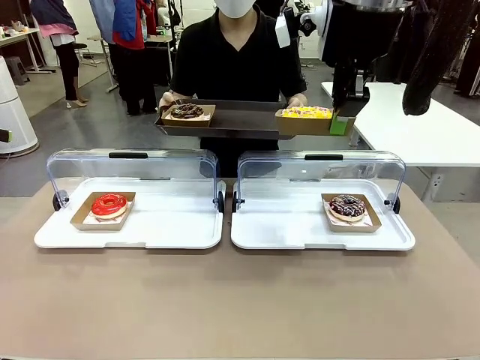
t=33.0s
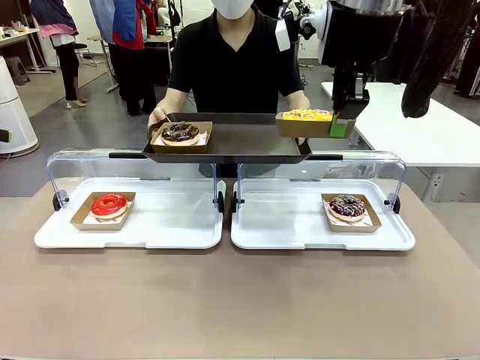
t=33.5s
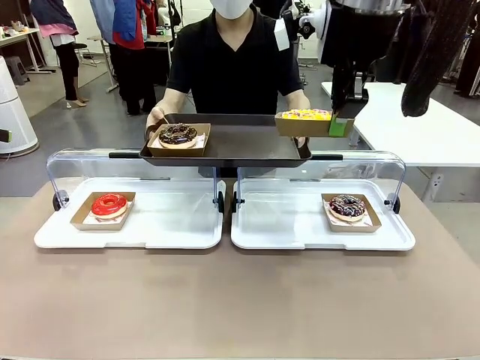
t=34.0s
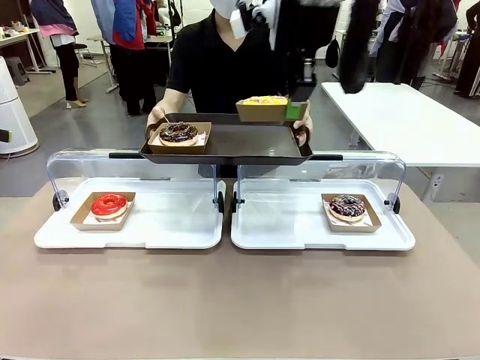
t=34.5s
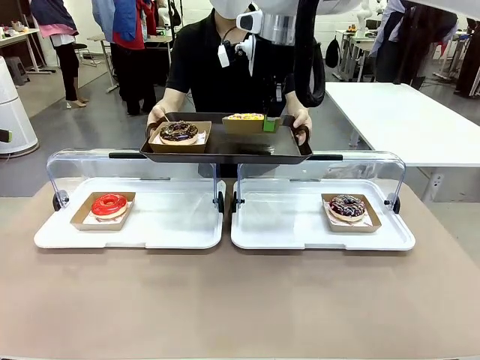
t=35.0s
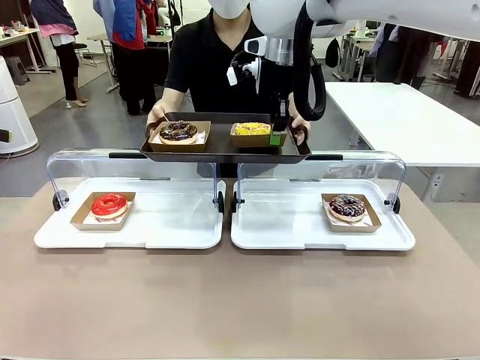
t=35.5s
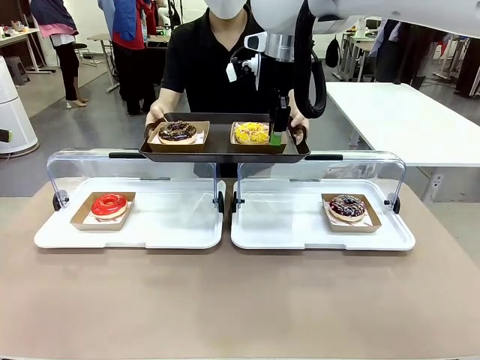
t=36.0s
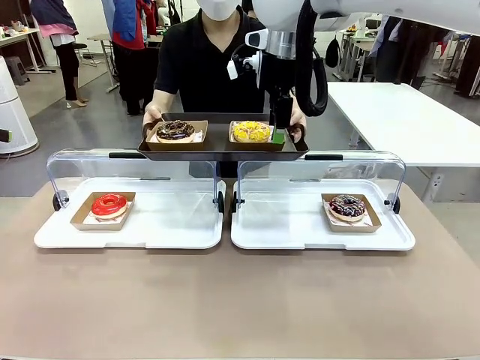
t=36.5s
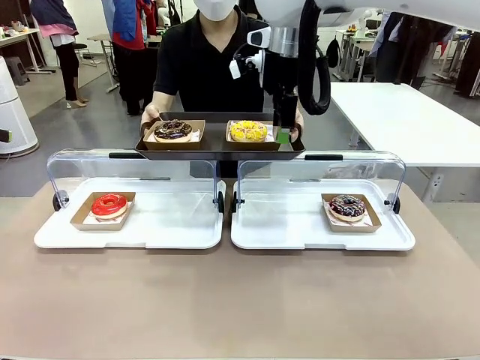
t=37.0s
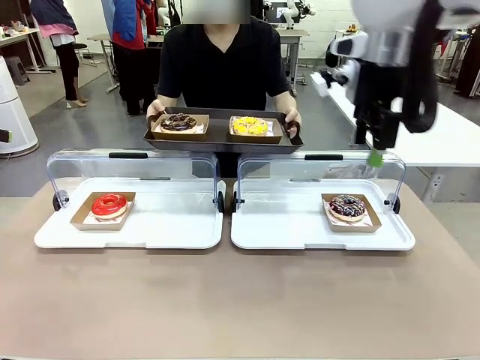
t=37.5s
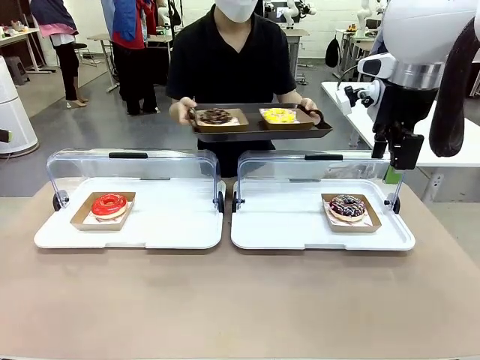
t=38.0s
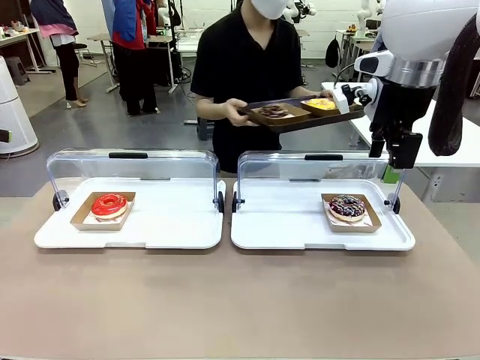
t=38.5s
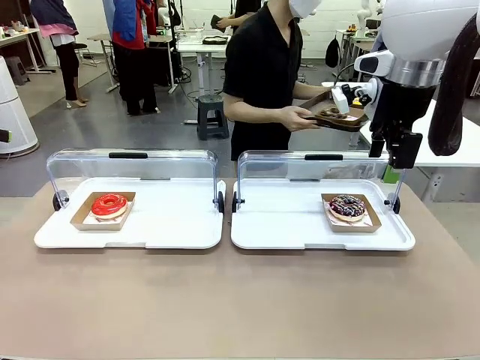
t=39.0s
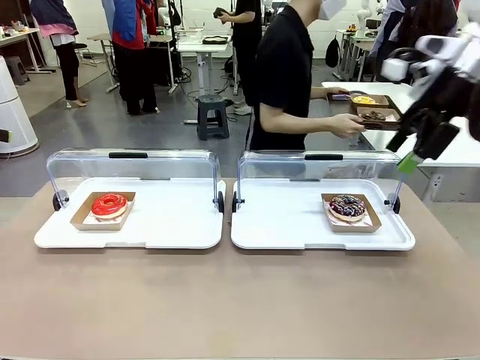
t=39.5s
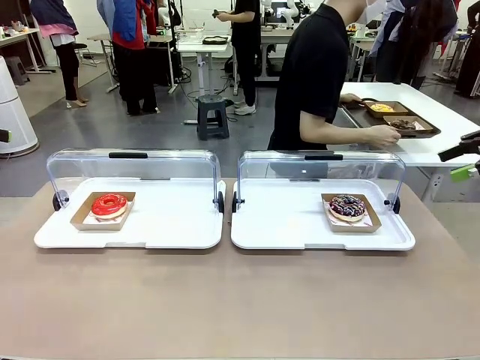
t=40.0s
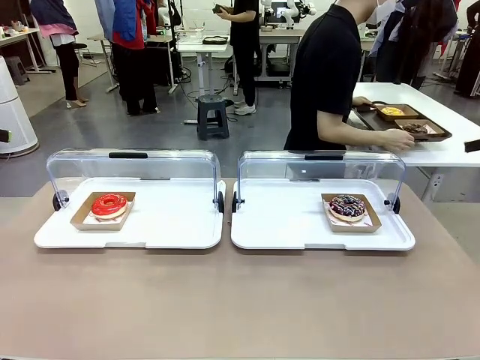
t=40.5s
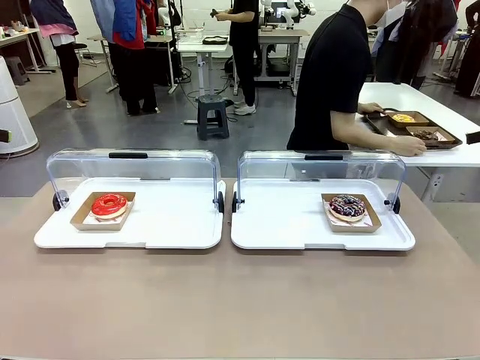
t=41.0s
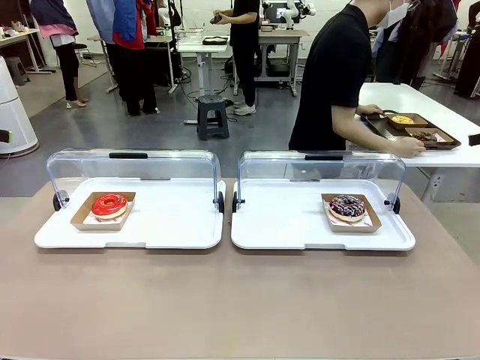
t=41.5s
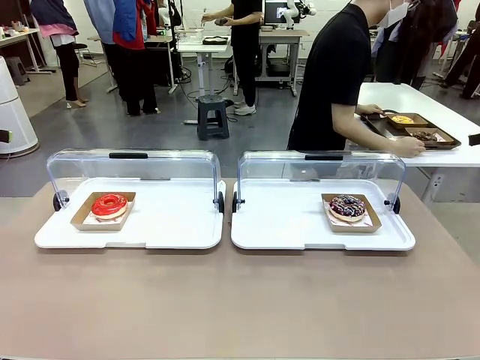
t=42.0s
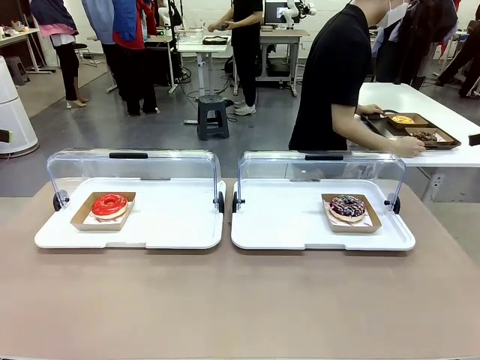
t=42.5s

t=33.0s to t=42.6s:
Task: Provide the desired donut to the person.
Robot: Place the picked Paper togo box onto the Handle tray extended by the person.
Person: Place the tray in the middle of the human table.

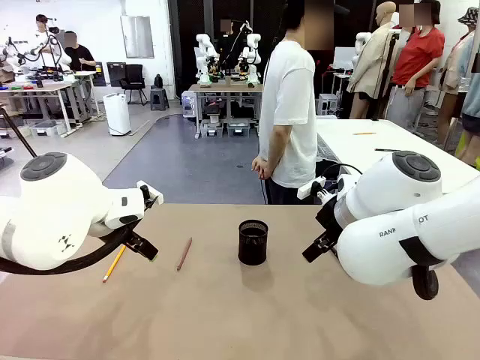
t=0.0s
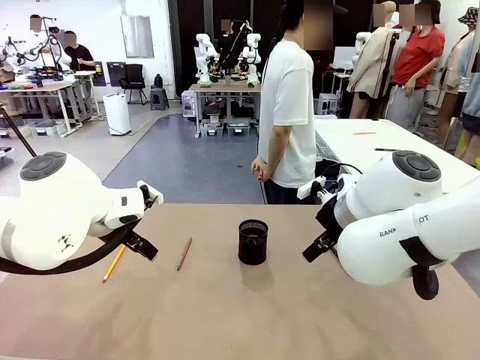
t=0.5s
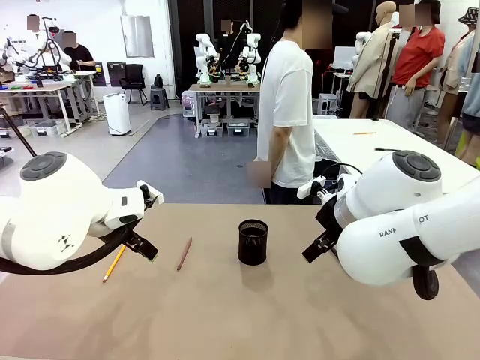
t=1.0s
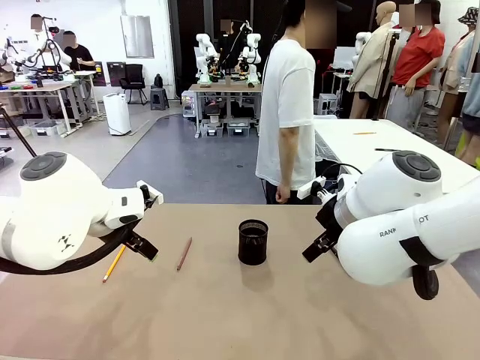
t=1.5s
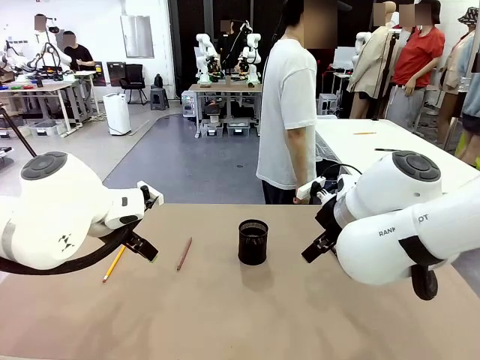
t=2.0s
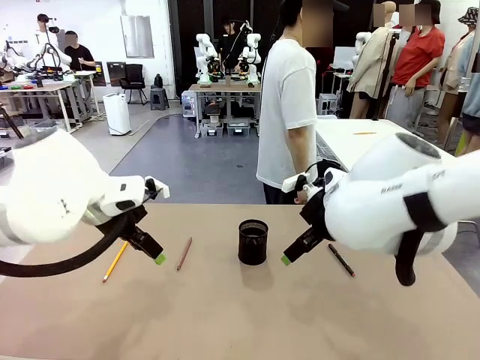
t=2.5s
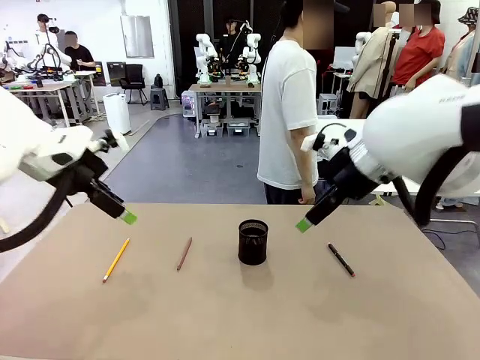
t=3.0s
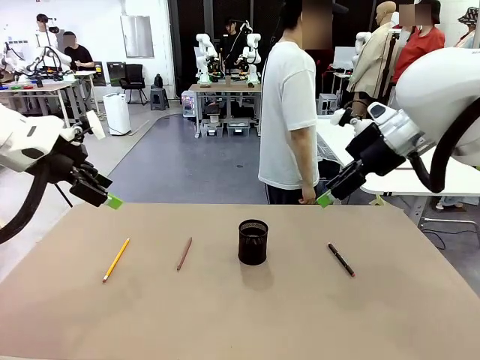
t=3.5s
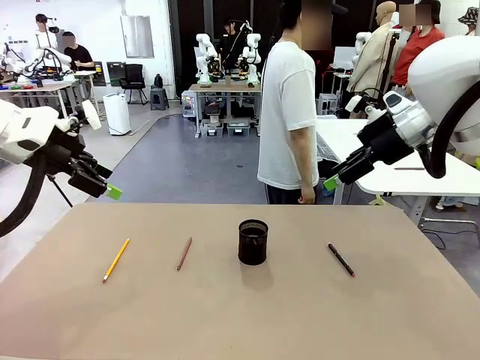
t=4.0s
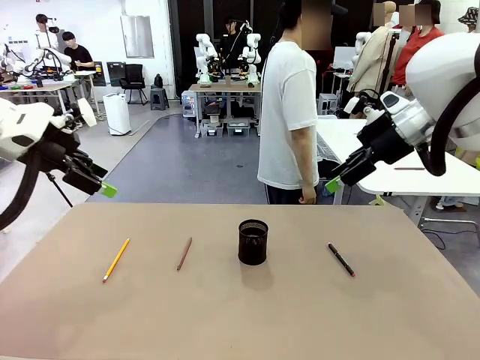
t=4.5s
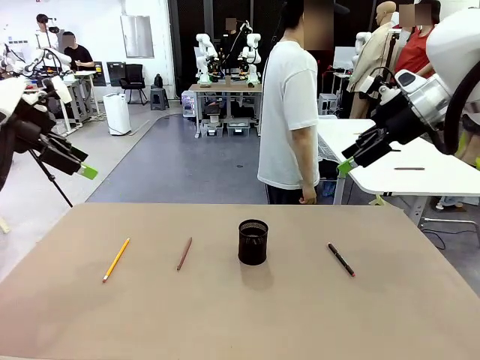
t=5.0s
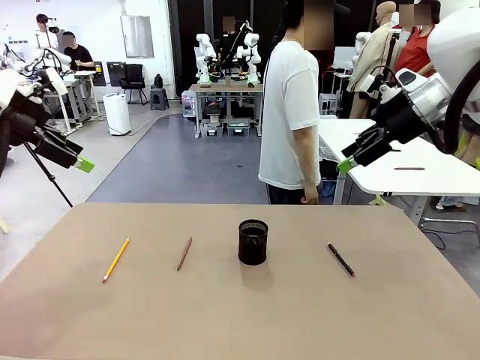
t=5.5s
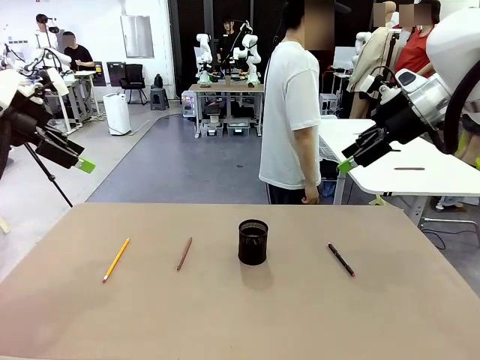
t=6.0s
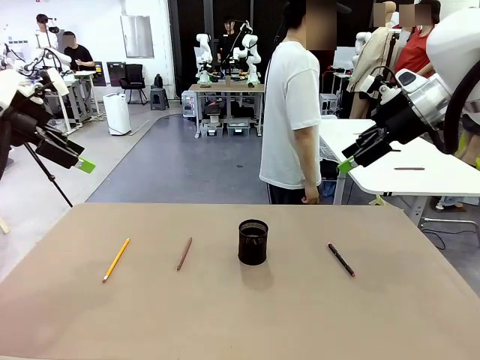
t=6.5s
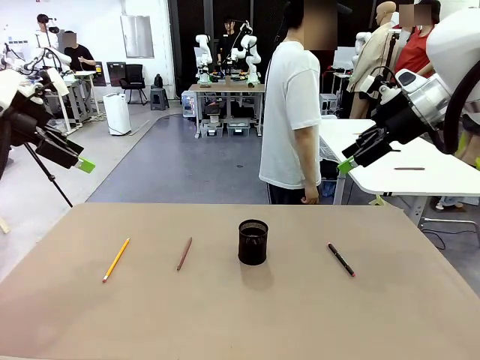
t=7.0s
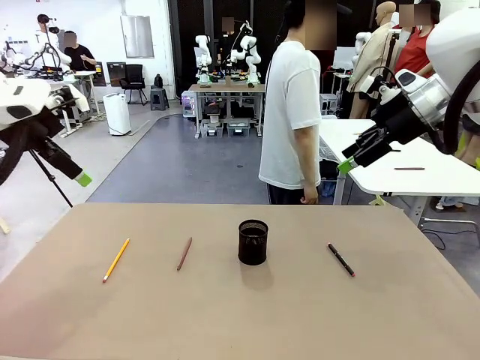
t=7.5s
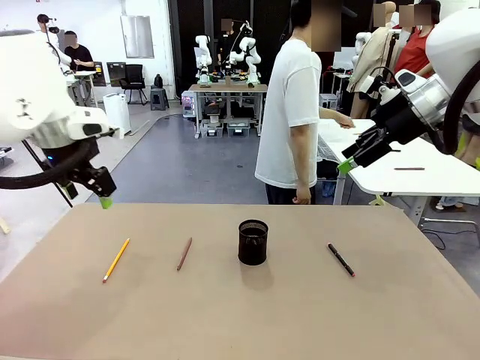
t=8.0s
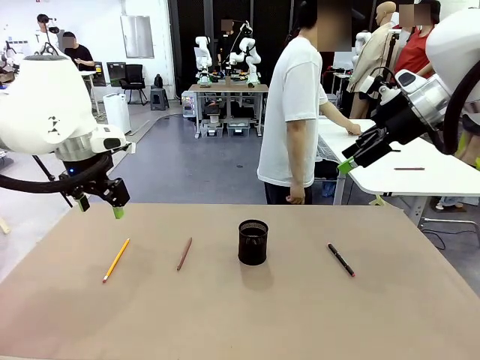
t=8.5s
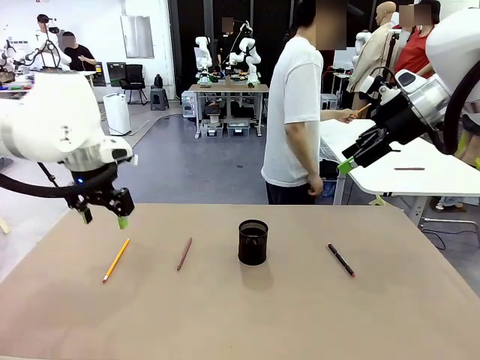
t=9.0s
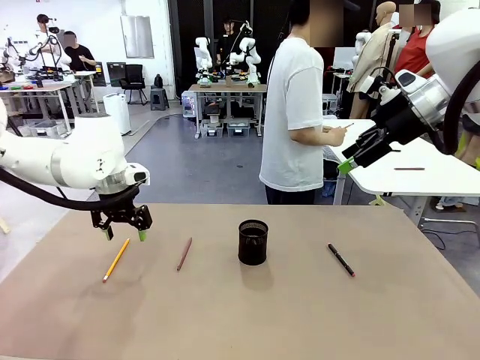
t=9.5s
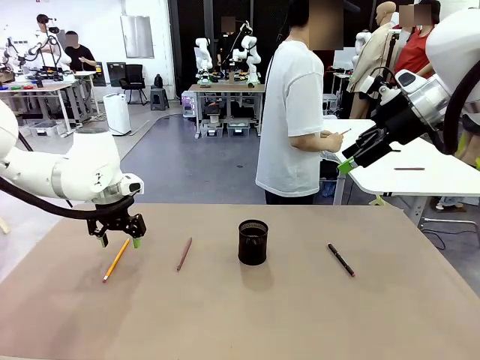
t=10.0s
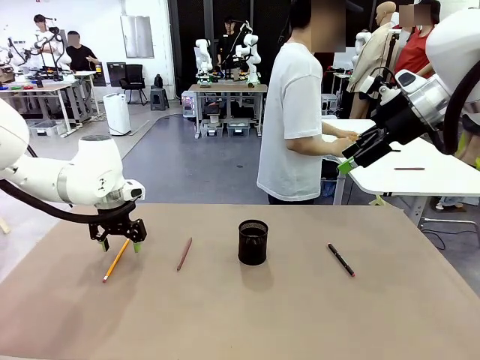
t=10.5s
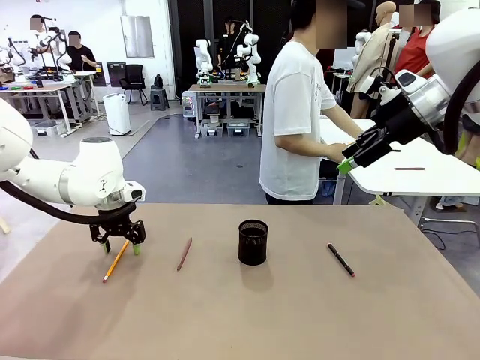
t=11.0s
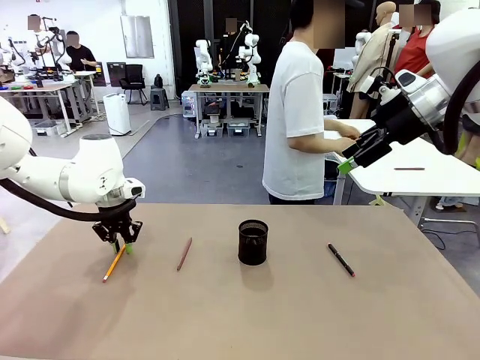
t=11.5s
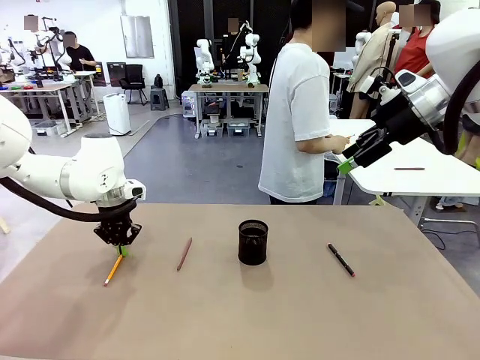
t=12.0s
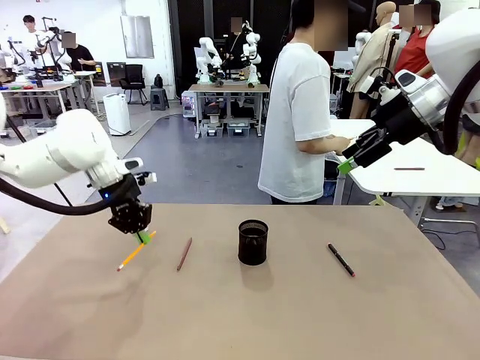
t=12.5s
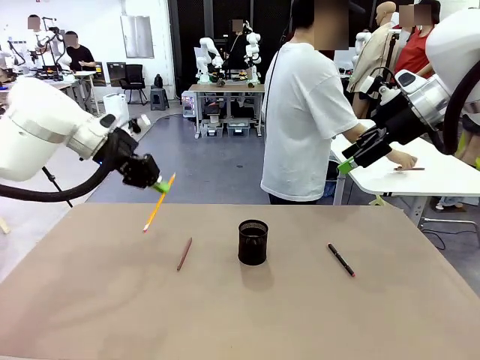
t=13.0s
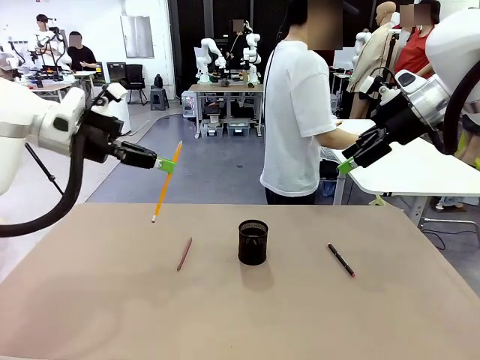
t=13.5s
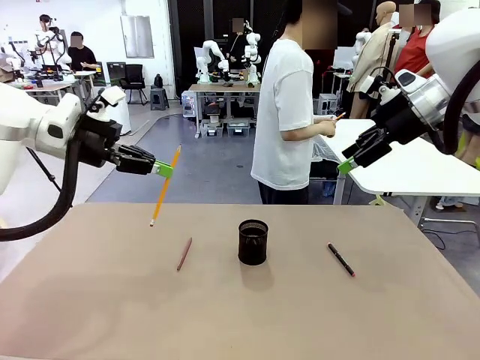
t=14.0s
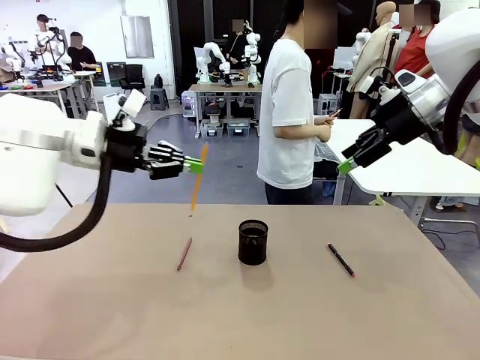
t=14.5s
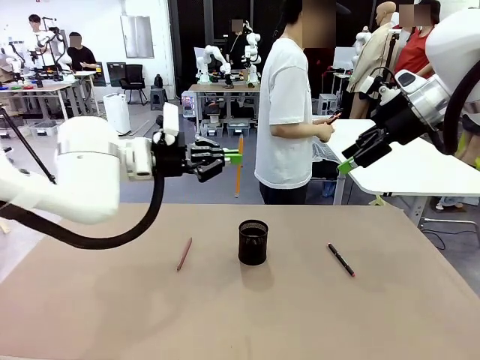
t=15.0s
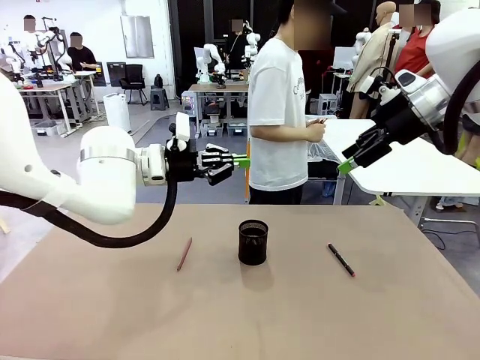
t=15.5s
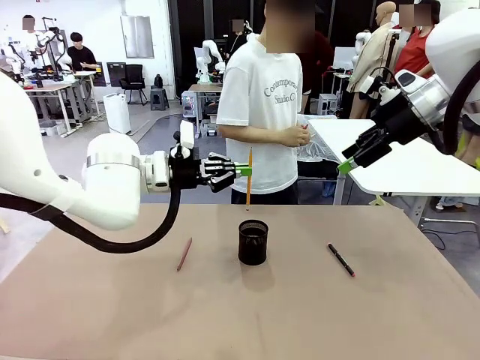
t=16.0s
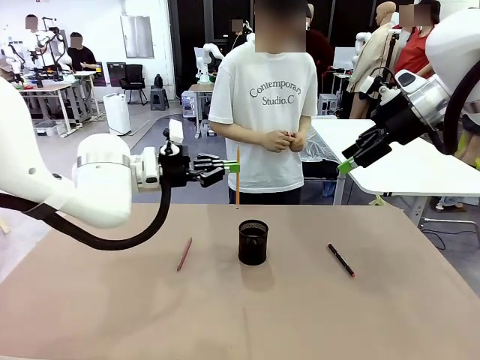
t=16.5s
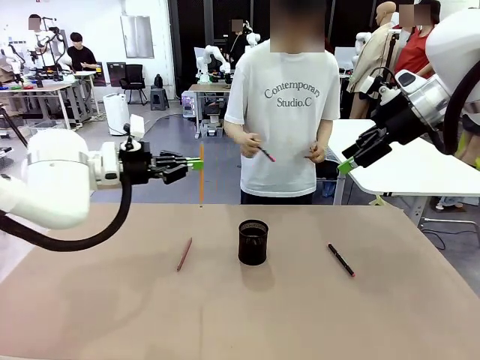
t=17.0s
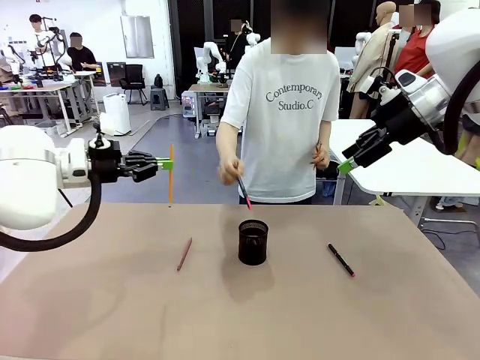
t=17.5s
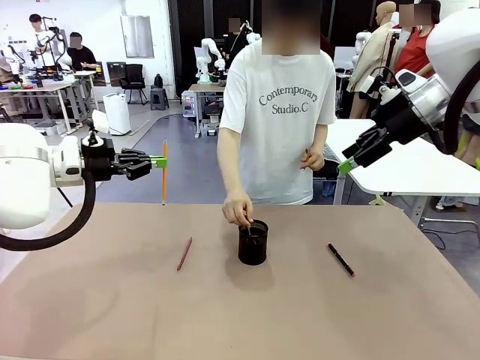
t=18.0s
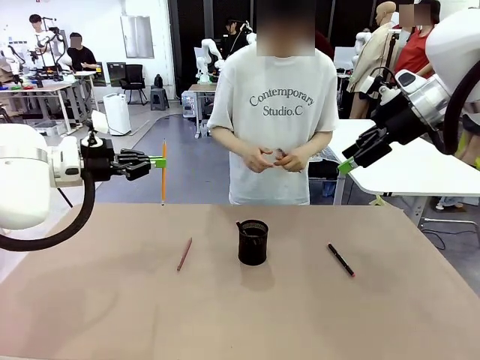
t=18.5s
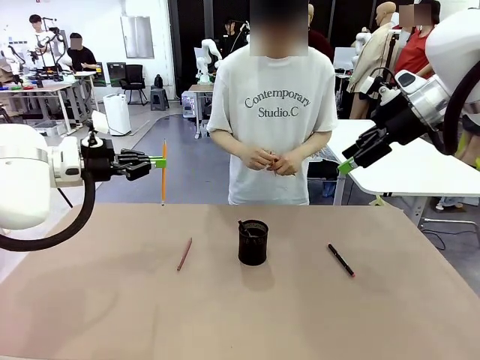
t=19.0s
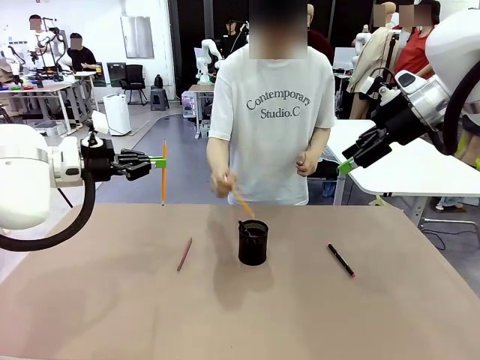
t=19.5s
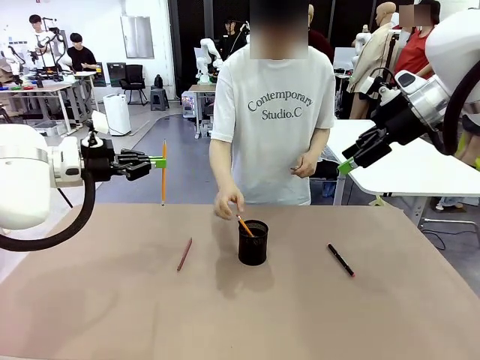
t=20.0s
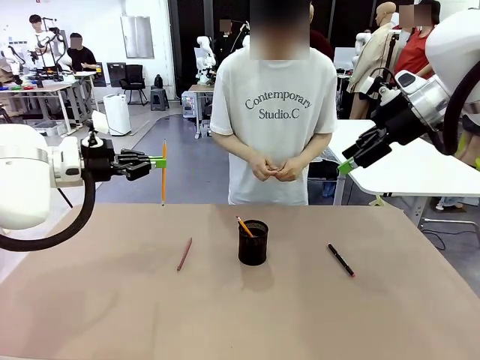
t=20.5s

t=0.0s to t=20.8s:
Task: Place the pens into the pen holder.
Robot: Pick up a writing instrument from the table and place it into the Pen holder.
Person: Pick up all writing instruments from the Human table.
